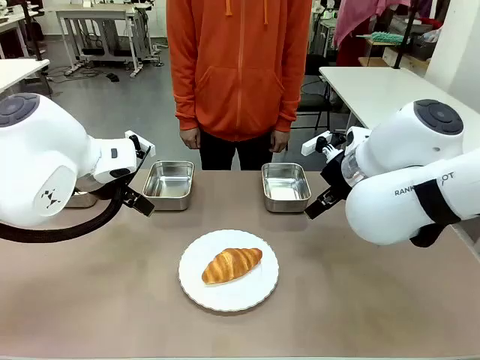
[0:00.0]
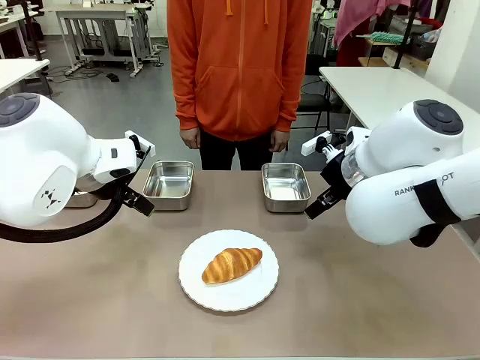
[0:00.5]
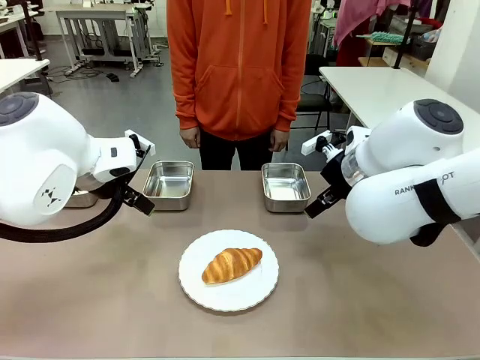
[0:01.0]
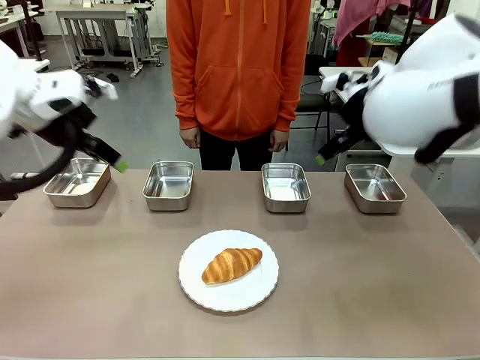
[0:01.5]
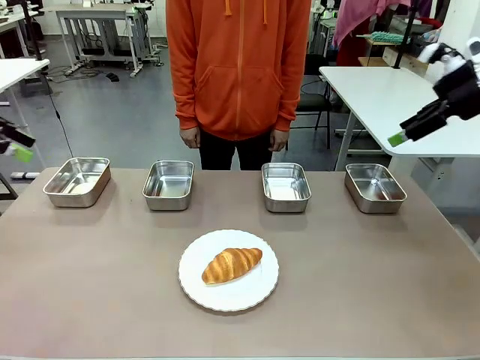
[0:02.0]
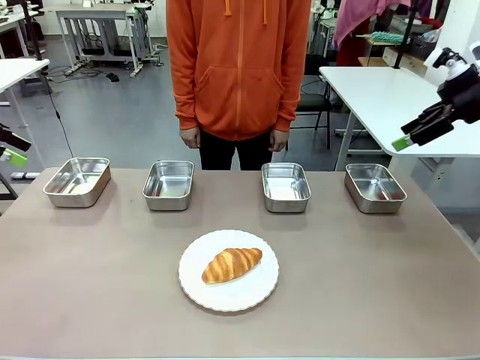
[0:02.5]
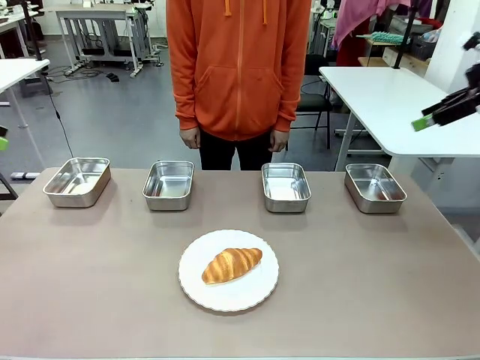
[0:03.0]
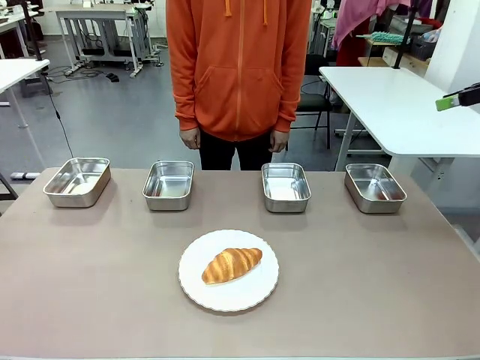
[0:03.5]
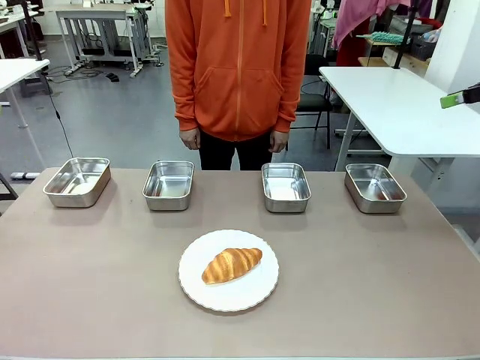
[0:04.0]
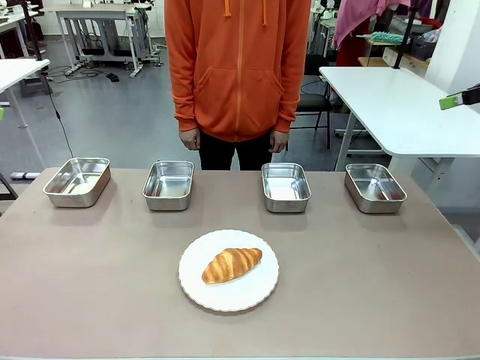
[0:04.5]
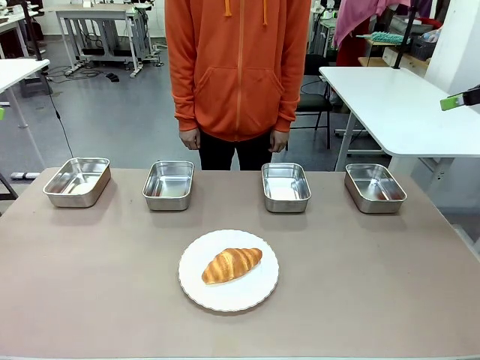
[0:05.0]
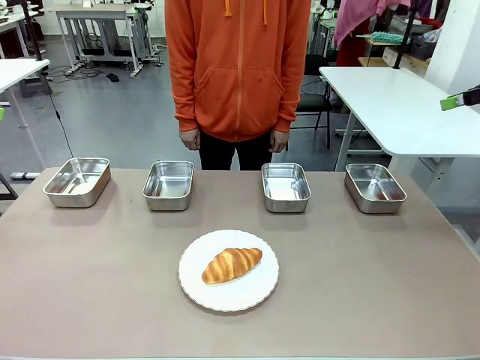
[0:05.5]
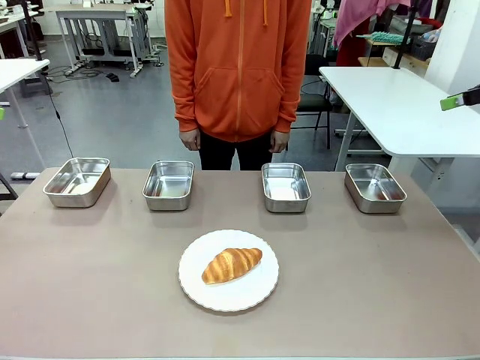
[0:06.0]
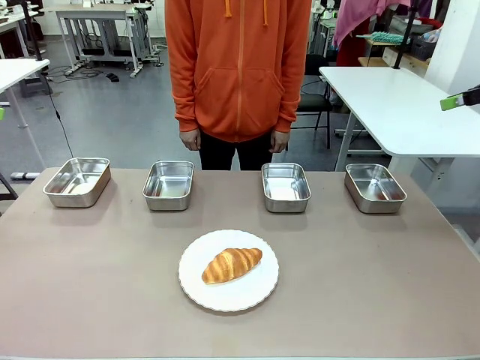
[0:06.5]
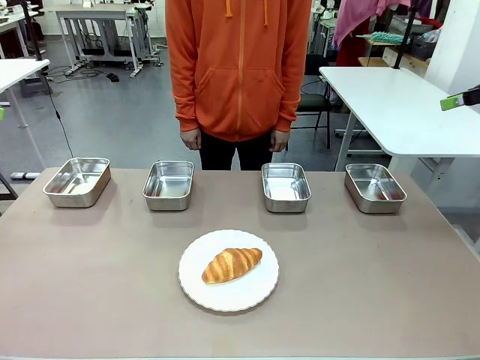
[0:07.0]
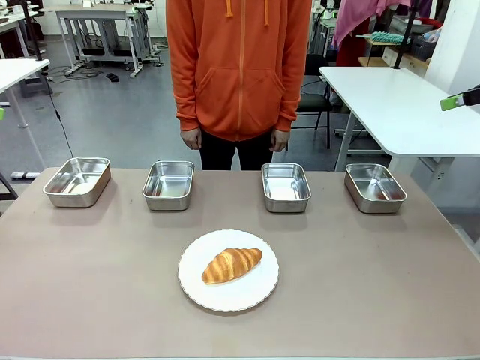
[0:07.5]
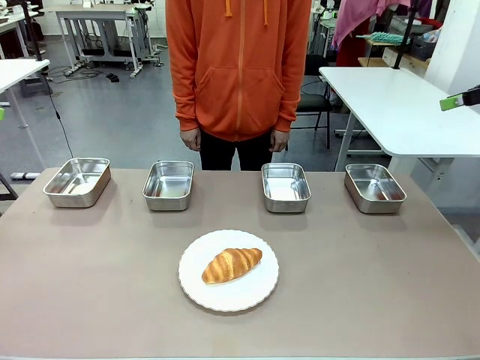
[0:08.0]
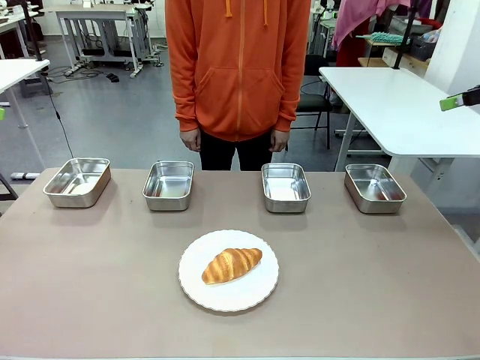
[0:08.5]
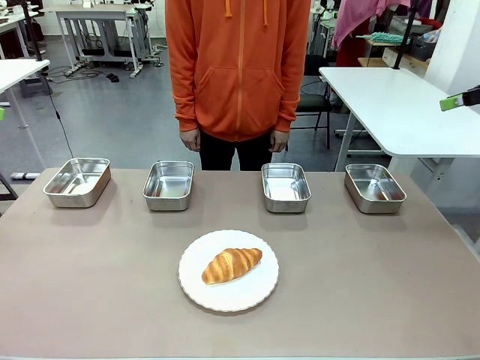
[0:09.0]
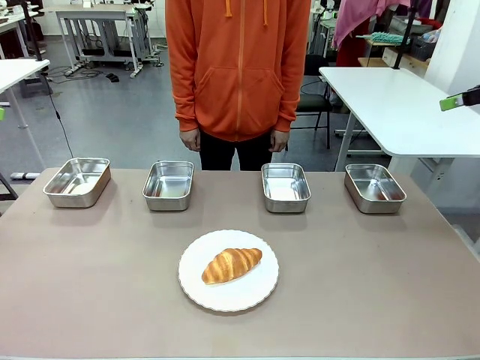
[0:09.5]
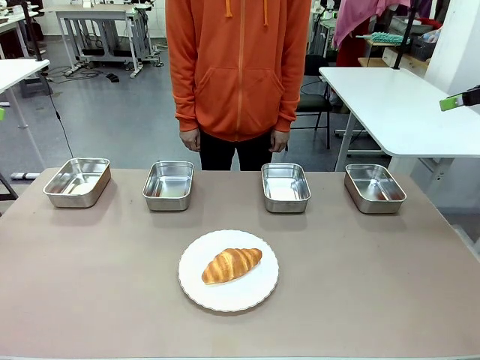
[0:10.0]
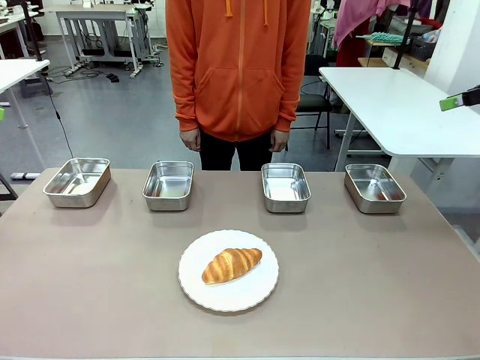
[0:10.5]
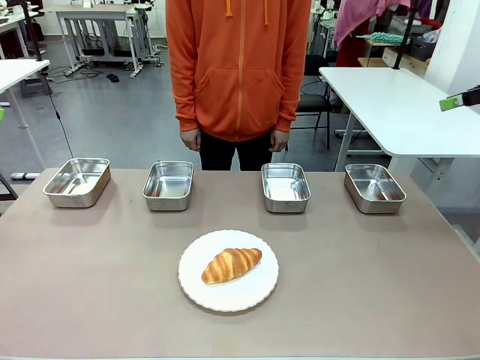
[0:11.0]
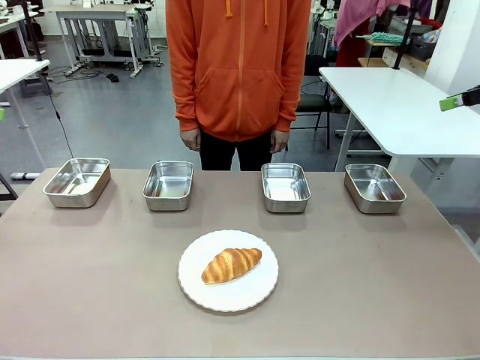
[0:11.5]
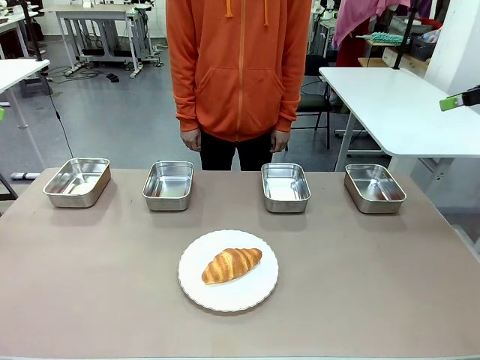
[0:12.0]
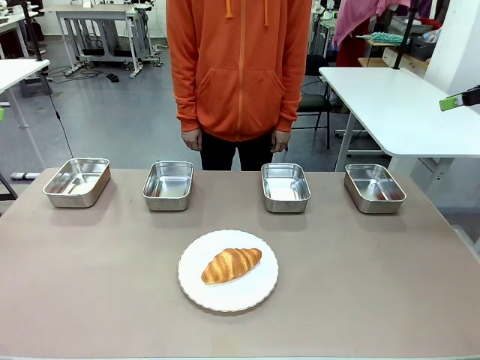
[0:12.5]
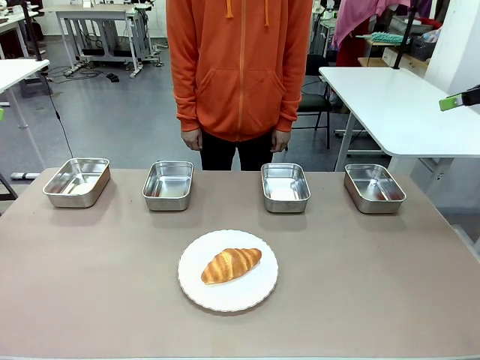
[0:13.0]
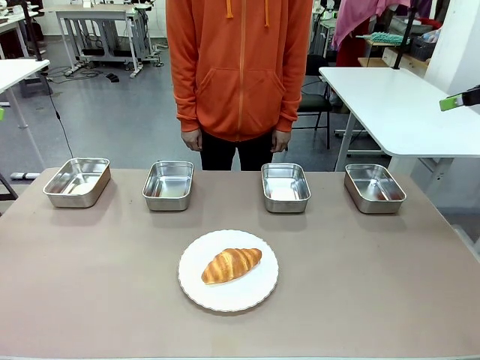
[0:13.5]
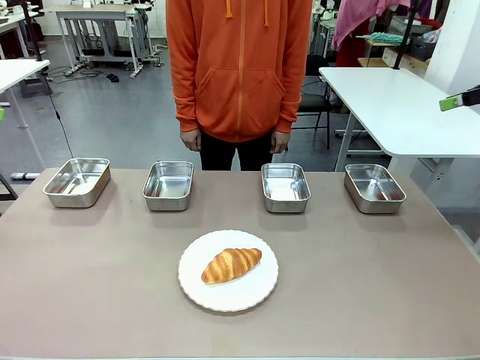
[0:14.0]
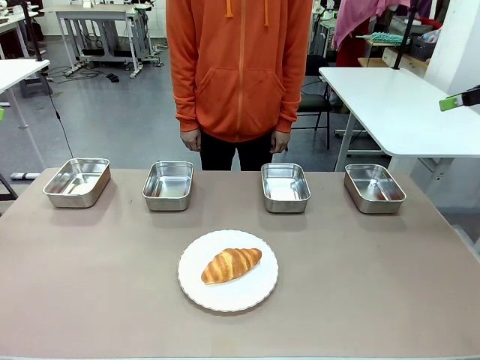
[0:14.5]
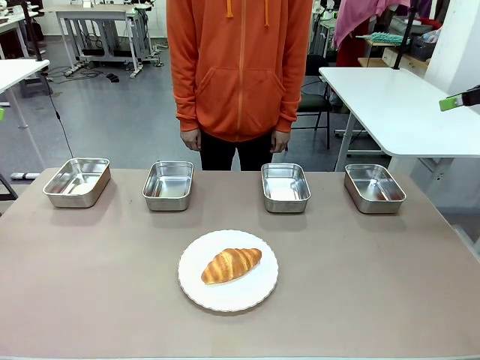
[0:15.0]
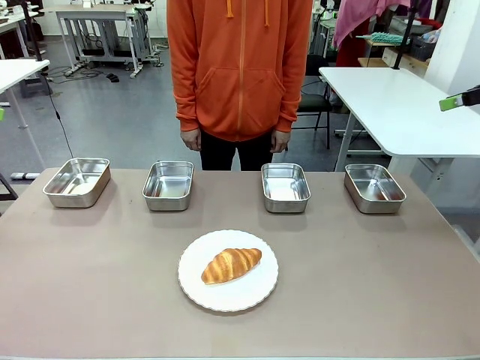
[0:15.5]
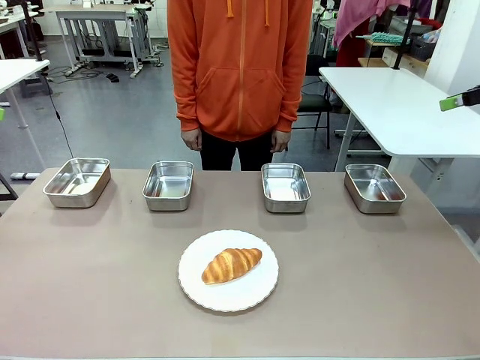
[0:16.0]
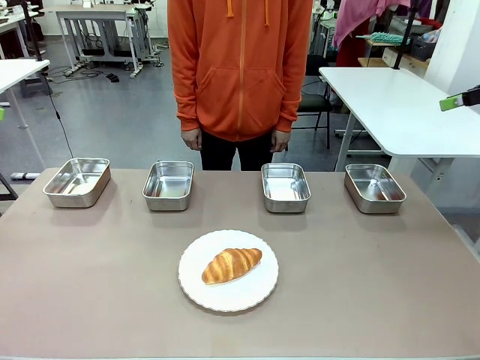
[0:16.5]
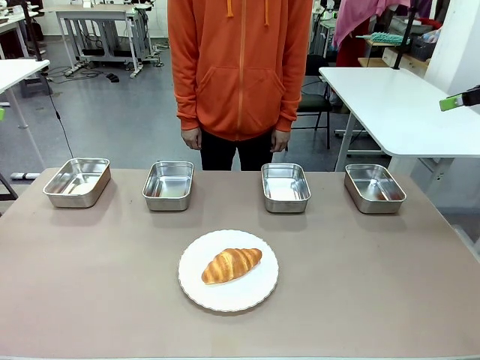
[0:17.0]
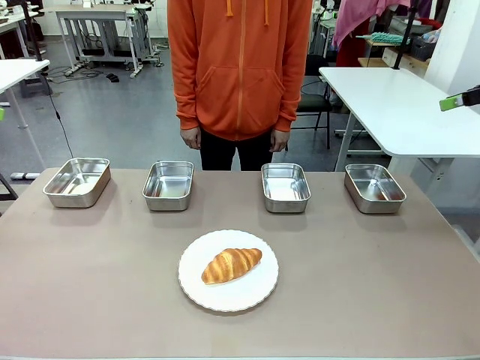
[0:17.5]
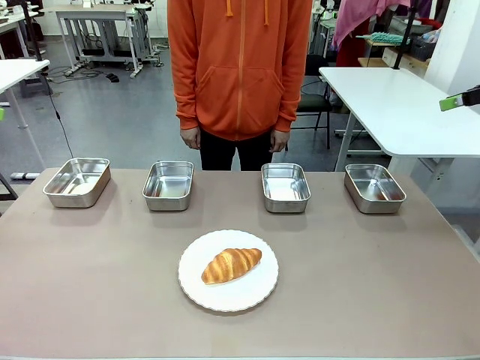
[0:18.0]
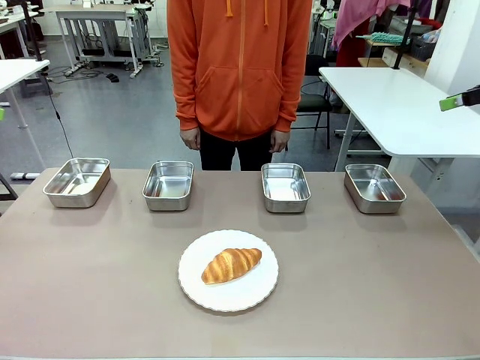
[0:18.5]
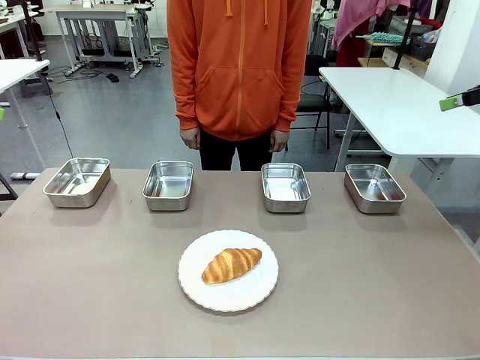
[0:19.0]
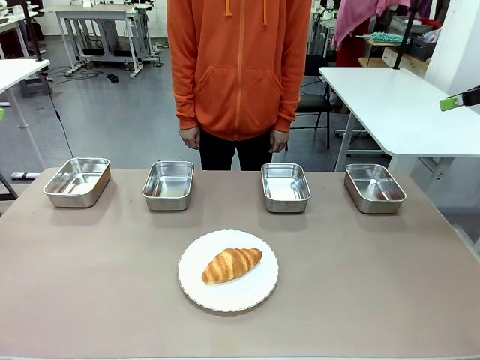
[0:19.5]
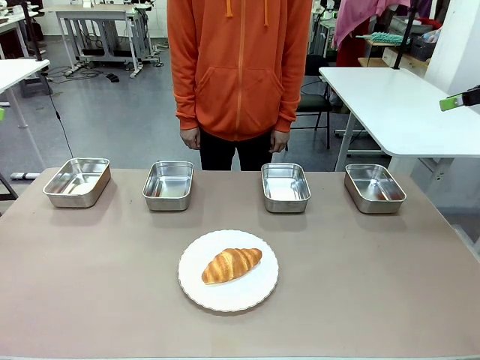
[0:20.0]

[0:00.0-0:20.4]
Task: Place the bread in the container.
Robot: Place the Butter Roll into the Airtight Container indicated by the human.
